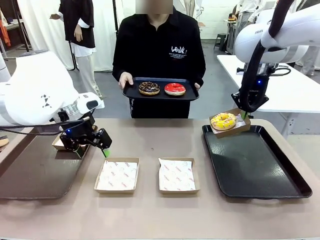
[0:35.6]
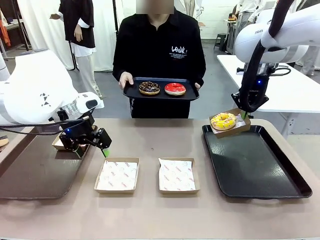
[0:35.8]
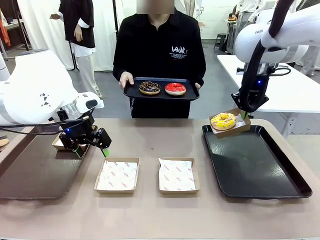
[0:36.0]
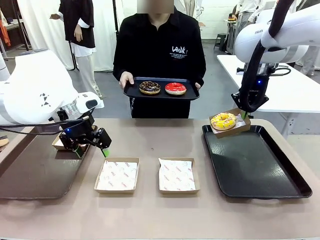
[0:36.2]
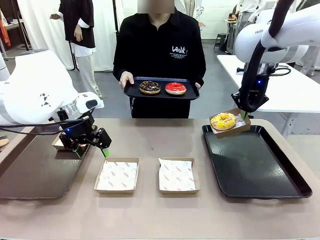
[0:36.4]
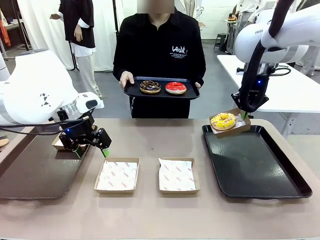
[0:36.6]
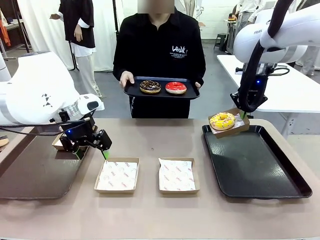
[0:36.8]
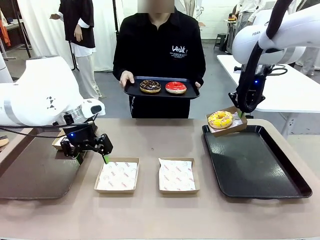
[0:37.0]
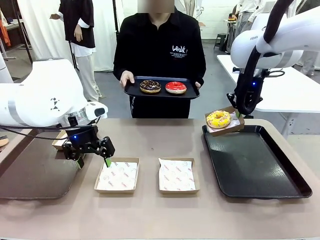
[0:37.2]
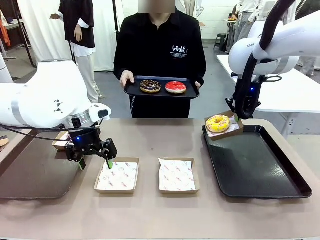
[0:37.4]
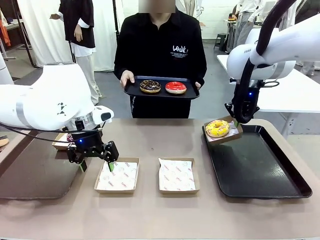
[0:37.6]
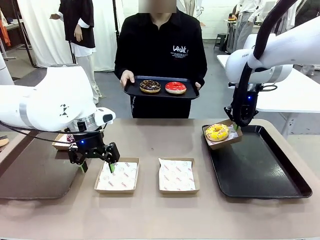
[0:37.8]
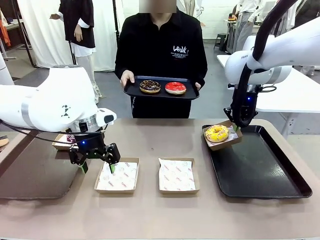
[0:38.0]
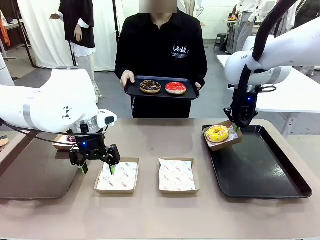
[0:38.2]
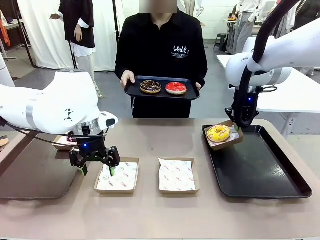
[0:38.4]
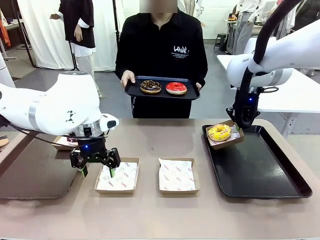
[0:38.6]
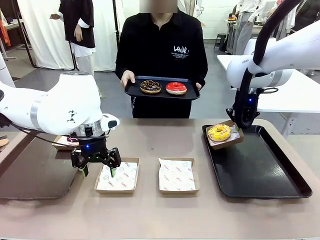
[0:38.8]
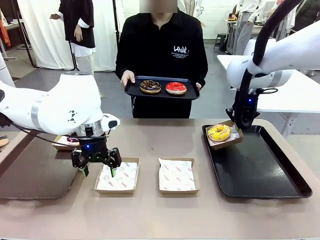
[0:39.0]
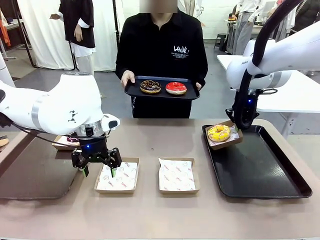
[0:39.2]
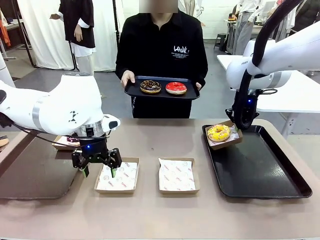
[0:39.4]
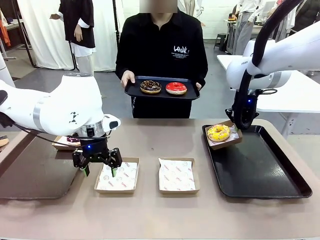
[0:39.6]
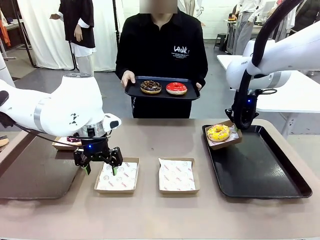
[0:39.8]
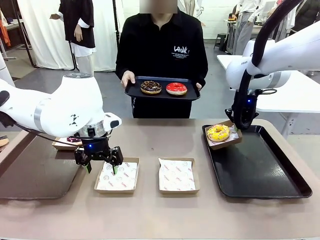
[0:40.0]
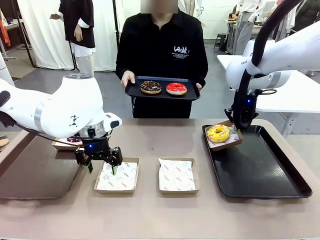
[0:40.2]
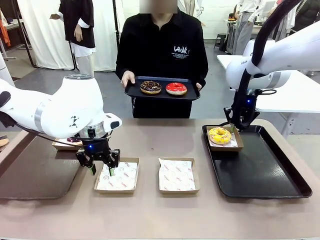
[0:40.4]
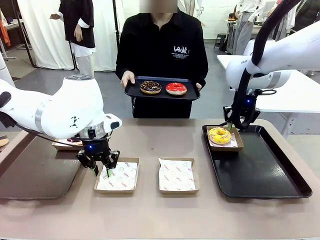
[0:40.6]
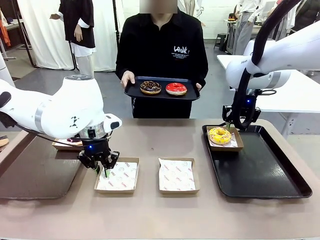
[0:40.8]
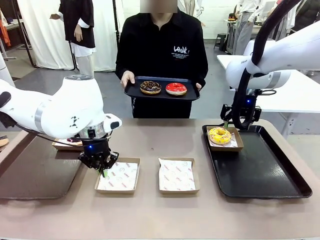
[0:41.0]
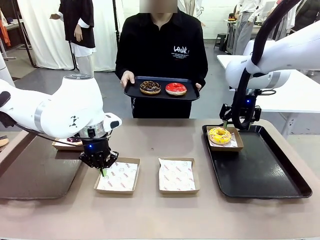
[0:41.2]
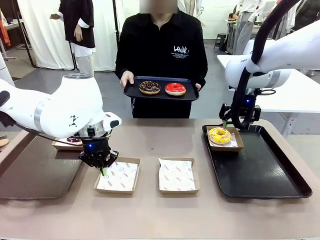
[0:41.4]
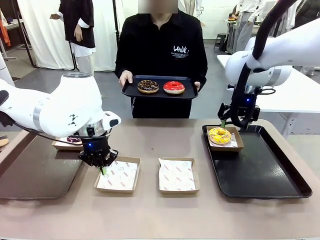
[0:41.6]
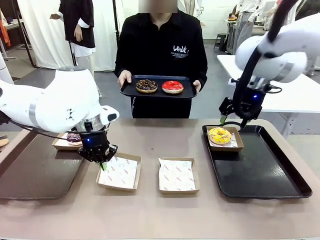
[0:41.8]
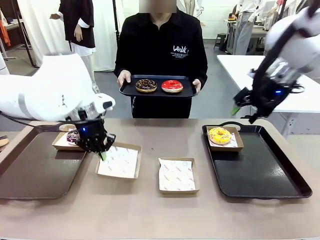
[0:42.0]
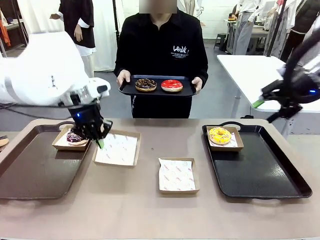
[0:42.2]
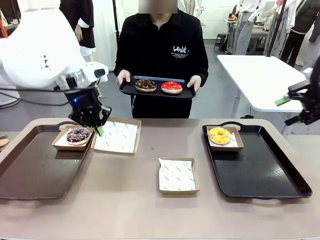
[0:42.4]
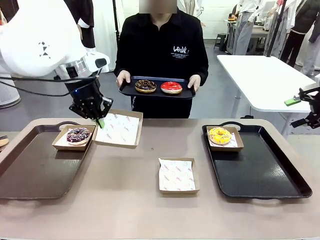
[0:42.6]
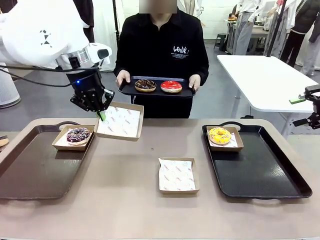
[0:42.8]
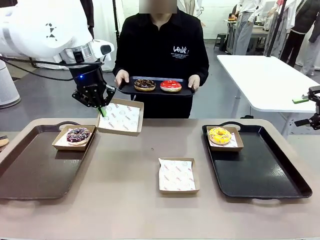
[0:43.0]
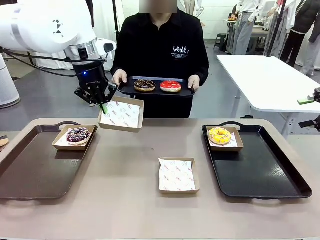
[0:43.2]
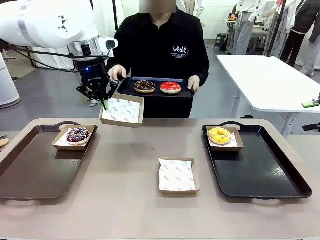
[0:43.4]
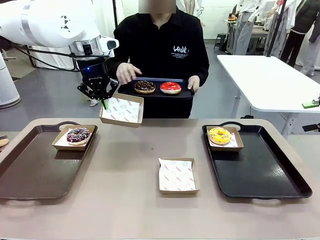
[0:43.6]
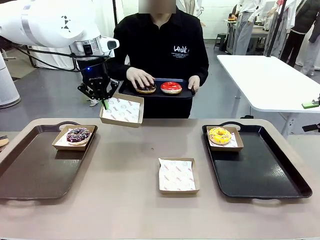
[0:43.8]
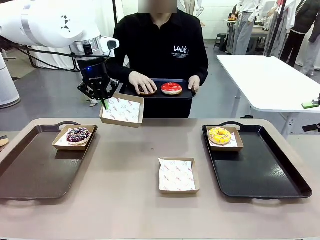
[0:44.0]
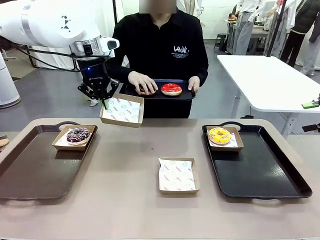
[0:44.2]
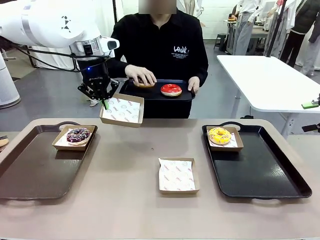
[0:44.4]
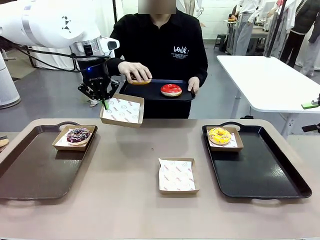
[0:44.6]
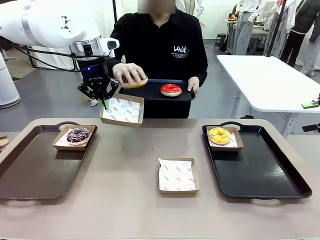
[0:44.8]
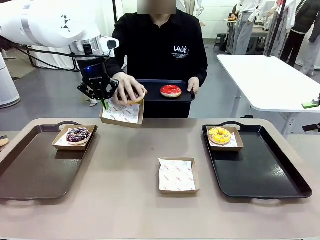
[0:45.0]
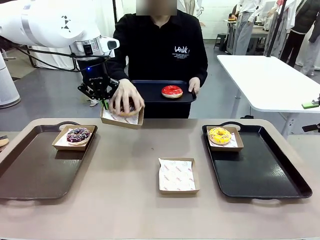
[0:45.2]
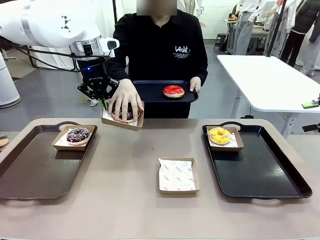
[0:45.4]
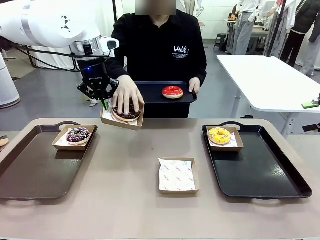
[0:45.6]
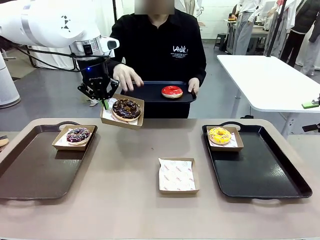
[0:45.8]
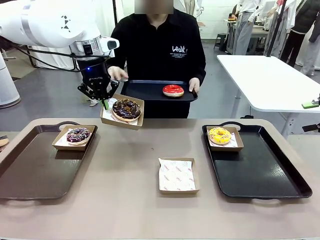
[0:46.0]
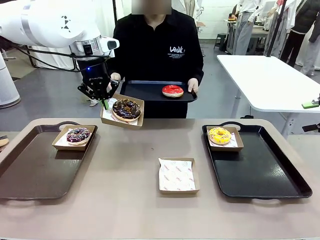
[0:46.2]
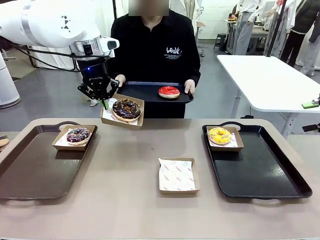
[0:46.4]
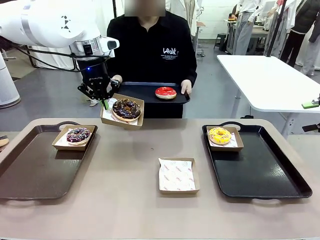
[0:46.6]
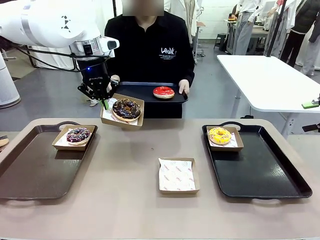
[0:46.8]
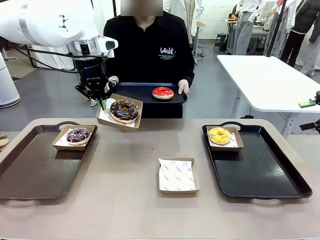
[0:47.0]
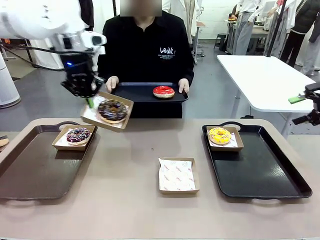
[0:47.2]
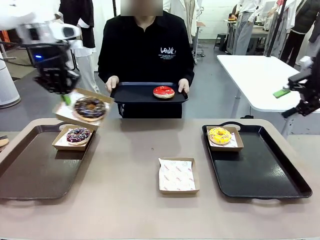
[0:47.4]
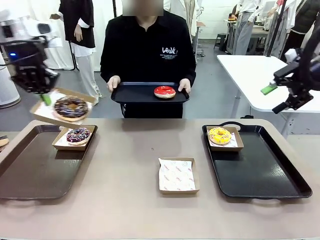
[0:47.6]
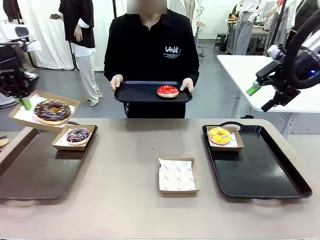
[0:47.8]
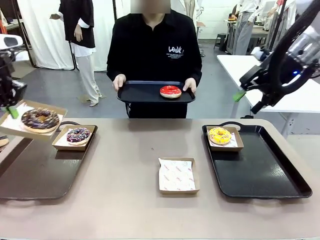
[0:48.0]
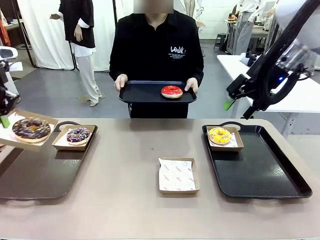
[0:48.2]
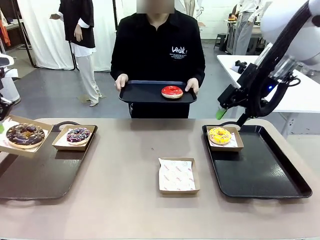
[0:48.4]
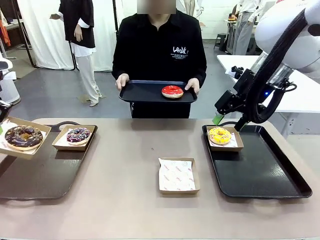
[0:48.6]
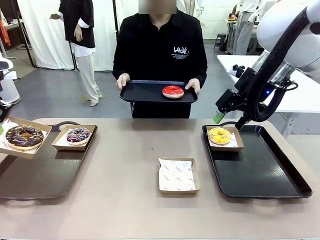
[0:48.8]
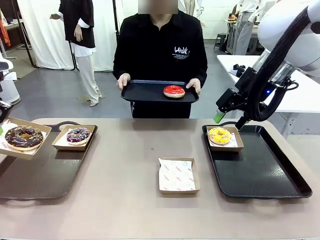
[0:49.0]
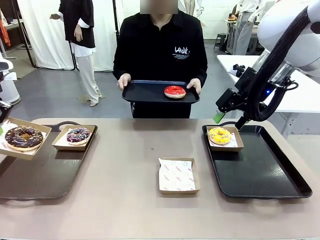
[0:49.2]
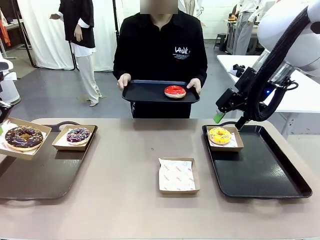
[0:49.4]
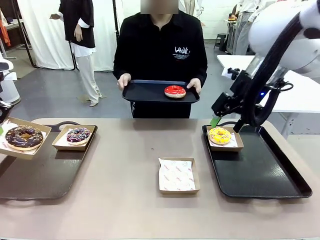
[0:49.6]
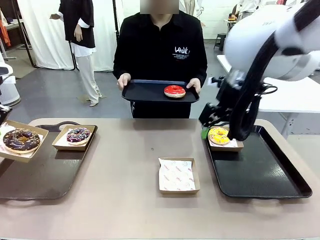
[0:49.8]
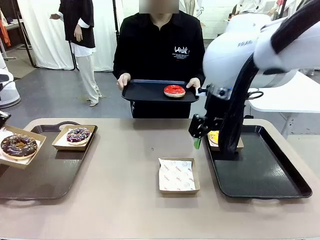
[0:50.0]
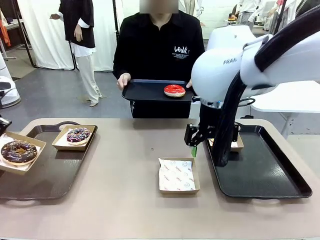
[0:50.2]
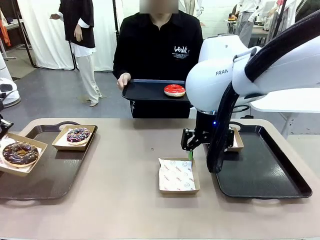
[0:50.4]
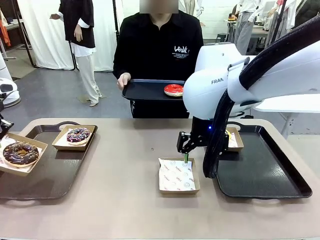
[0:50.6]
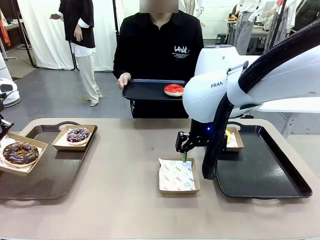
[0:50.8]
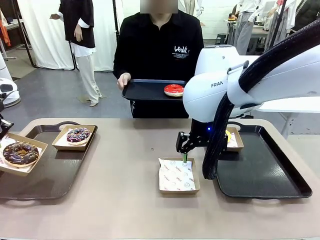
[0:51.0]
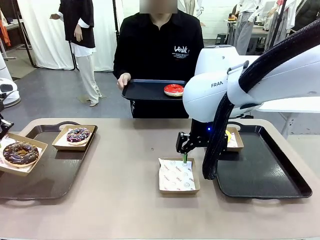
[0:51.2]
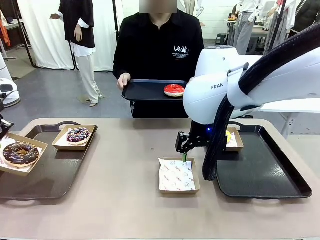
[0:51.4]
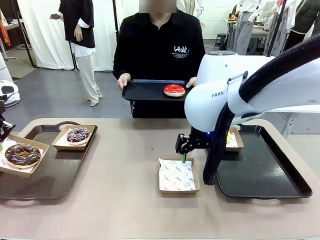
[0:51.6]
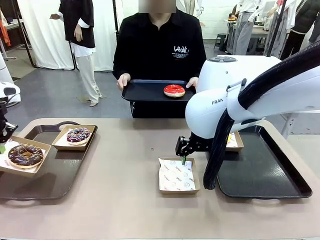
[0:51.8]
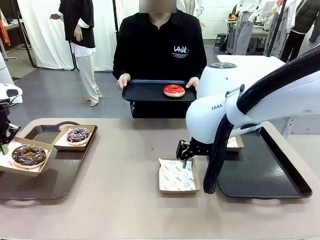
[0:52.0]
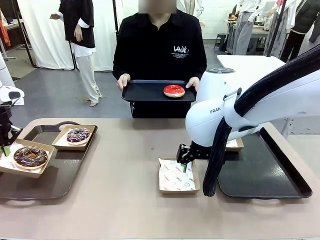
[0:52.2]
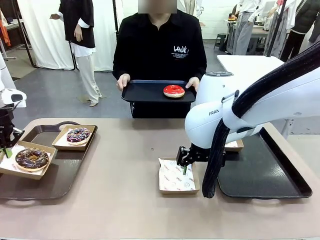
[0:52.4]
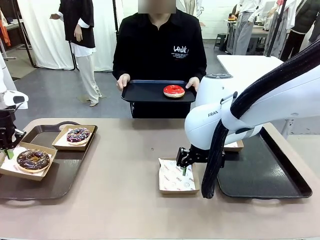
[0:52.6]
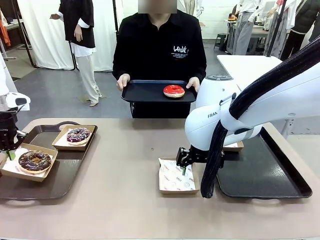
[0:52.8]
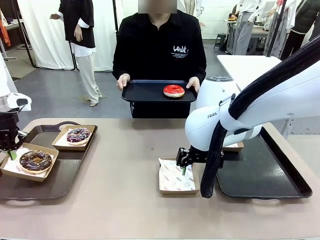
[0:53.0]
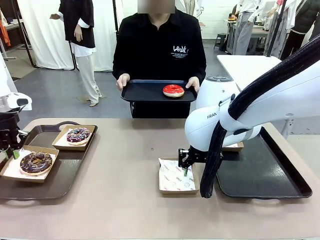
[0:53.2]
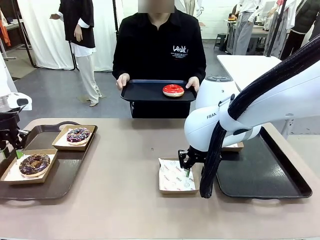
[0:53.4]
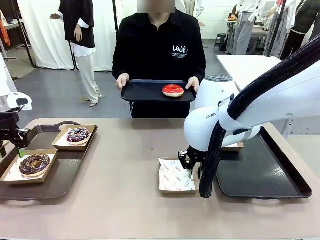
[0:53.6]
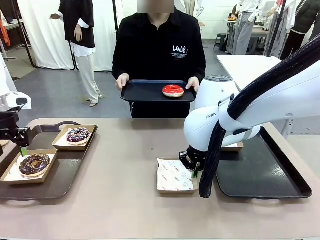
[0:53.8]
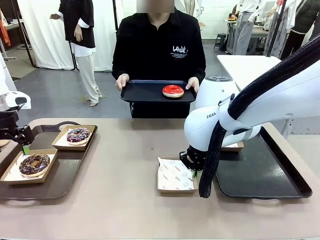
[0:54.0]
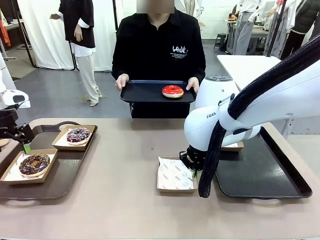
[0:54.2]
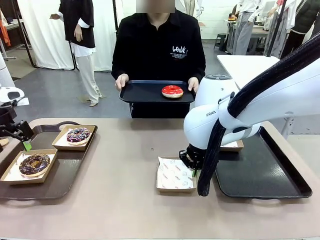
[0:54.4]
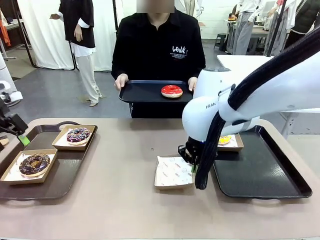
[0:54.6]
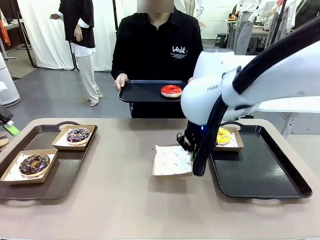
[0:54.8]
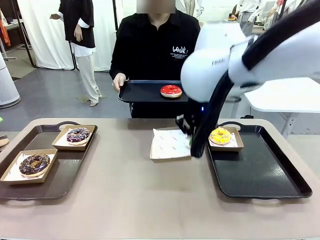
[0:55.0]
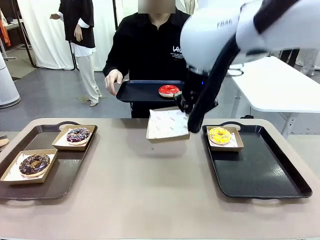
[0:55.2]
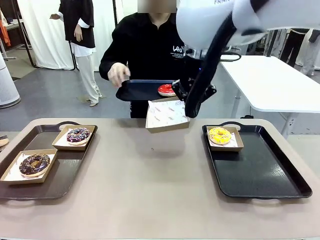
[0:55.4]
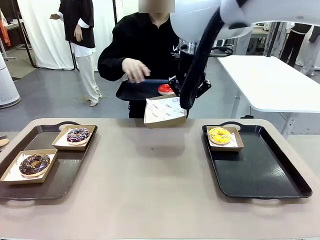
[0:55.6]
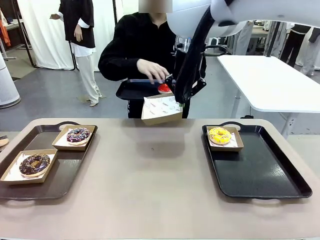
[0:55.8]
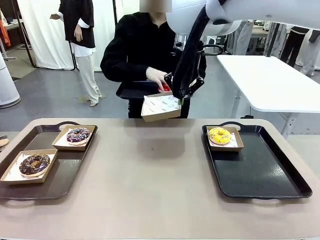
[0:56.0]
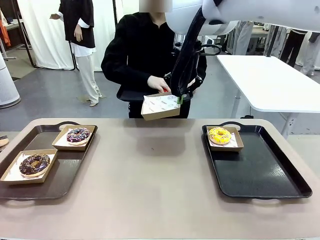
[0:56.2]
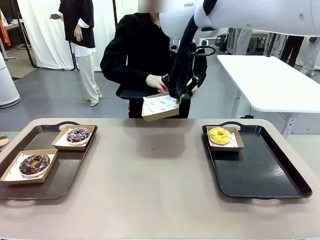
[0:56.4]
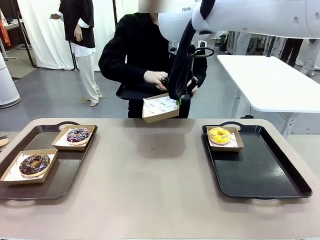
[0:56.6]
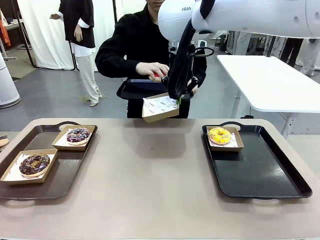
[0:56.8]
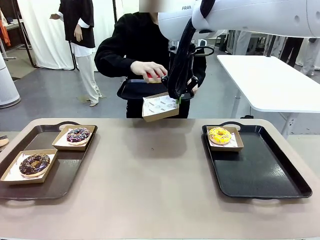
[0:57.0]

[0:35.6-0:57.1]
Task: Individually package the donuts and arrange them on the tray.
Robot: Place the picked Paper togo box on the Handle tray while simultaneously picking up another Paper togo box from the table with the other hand.
